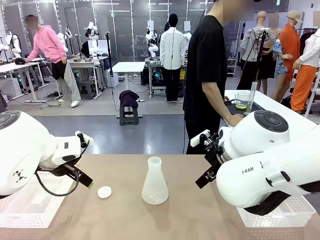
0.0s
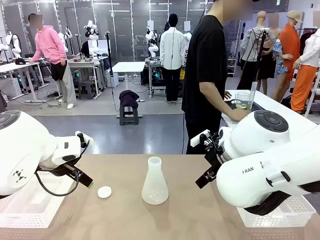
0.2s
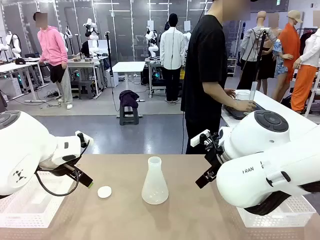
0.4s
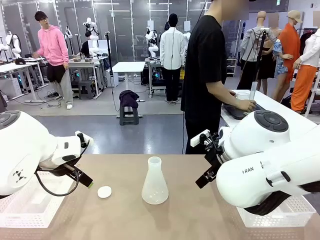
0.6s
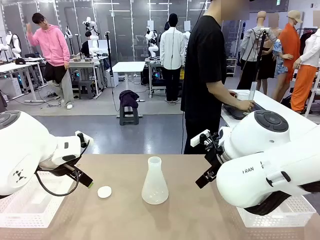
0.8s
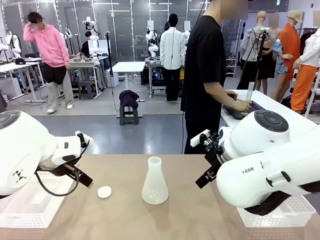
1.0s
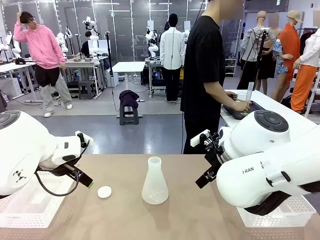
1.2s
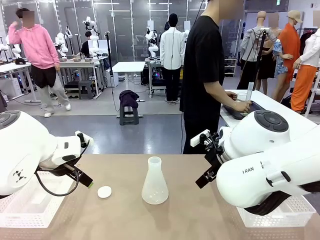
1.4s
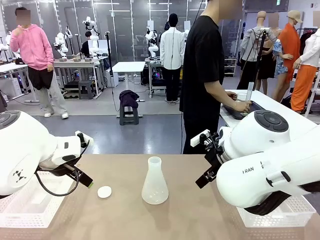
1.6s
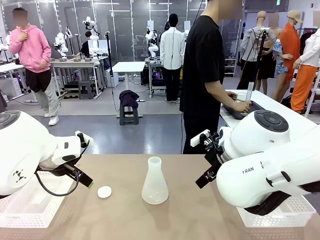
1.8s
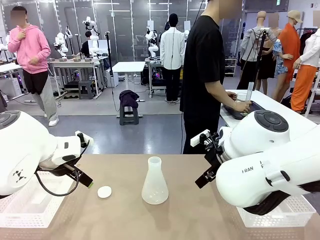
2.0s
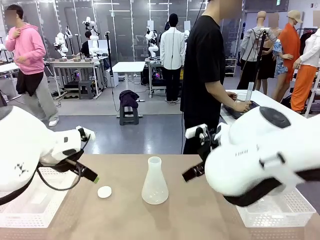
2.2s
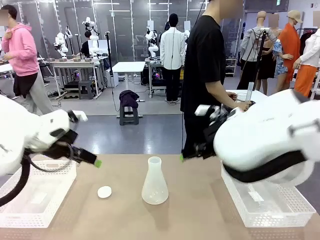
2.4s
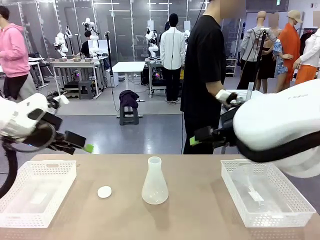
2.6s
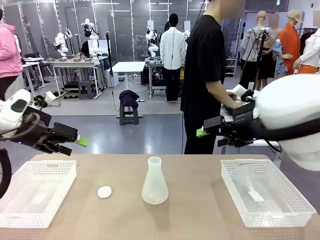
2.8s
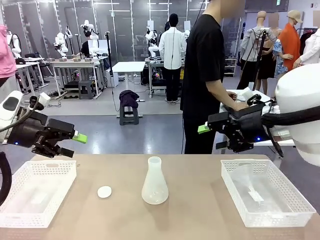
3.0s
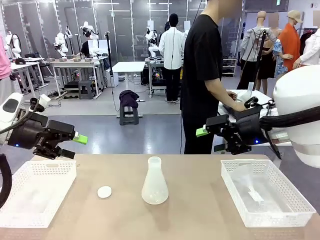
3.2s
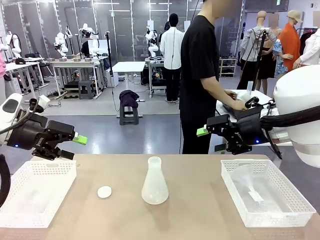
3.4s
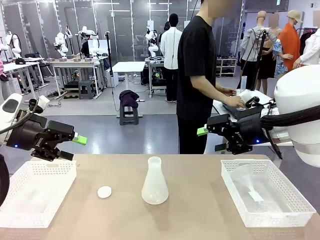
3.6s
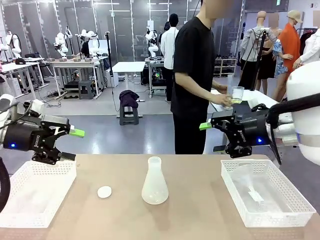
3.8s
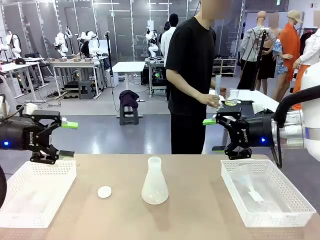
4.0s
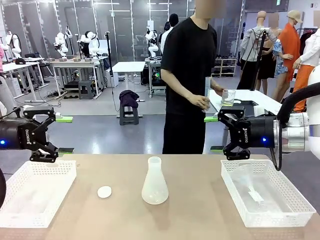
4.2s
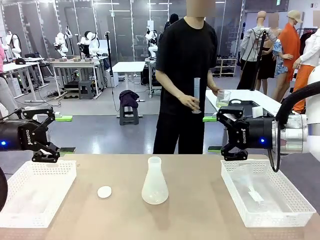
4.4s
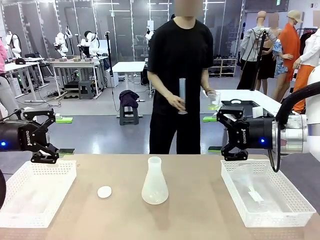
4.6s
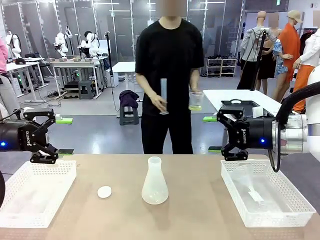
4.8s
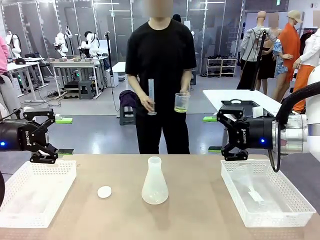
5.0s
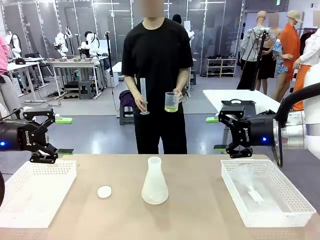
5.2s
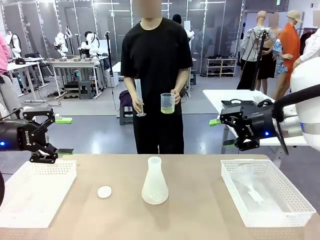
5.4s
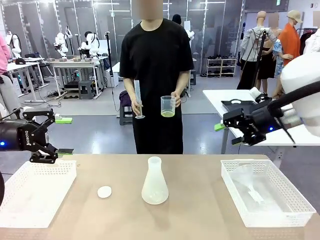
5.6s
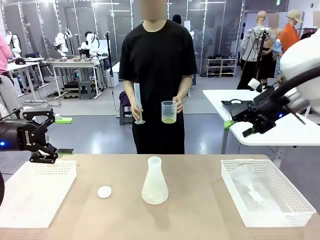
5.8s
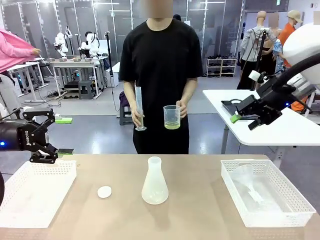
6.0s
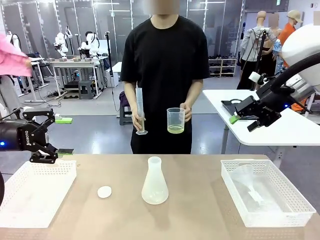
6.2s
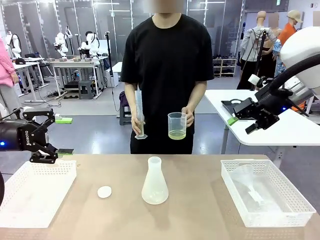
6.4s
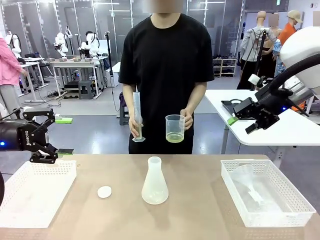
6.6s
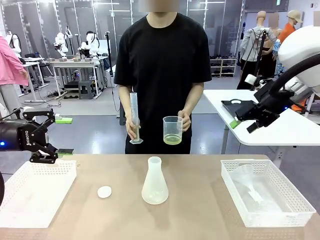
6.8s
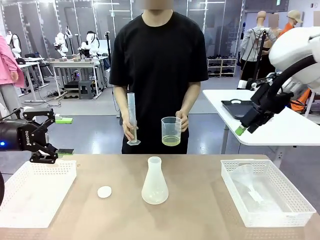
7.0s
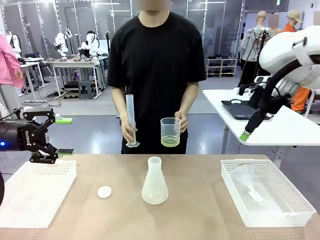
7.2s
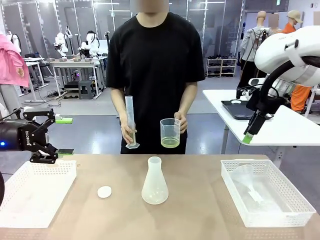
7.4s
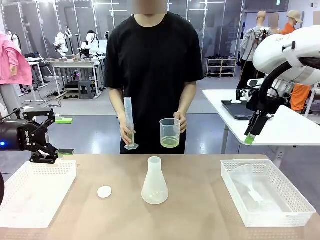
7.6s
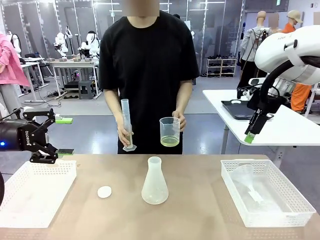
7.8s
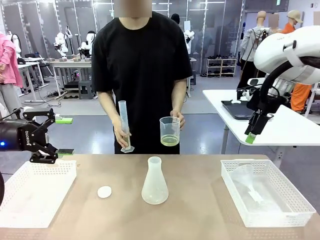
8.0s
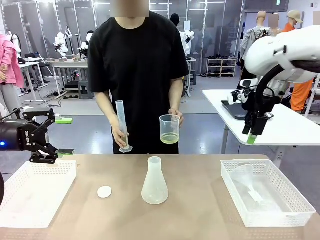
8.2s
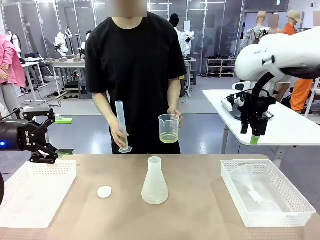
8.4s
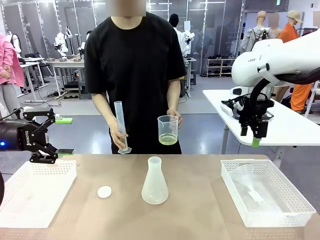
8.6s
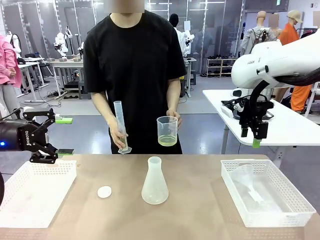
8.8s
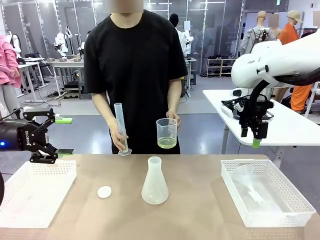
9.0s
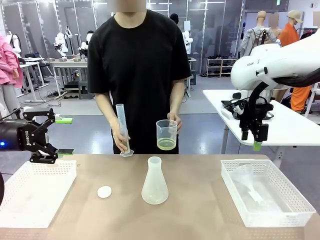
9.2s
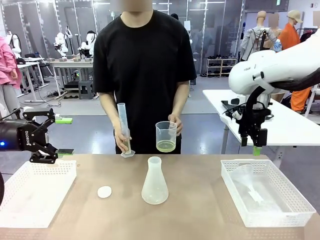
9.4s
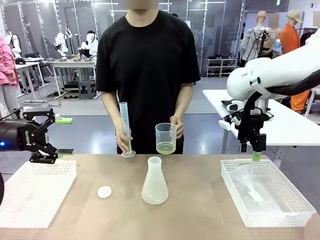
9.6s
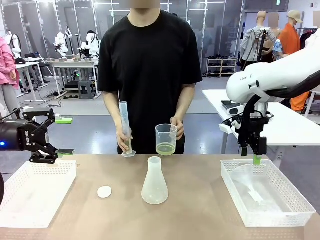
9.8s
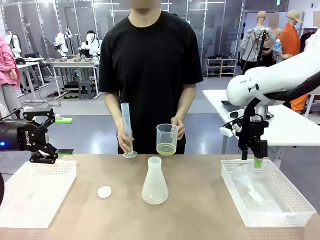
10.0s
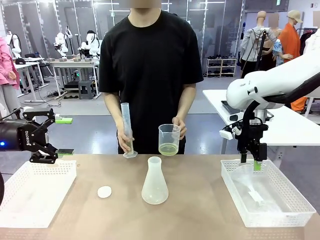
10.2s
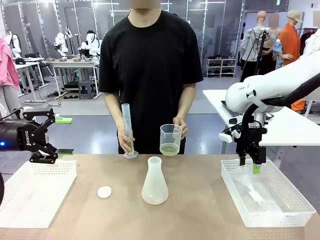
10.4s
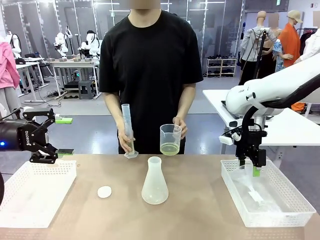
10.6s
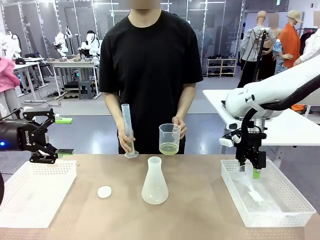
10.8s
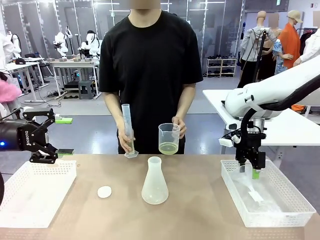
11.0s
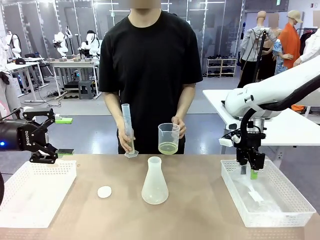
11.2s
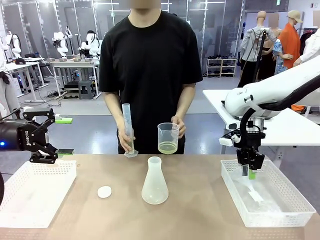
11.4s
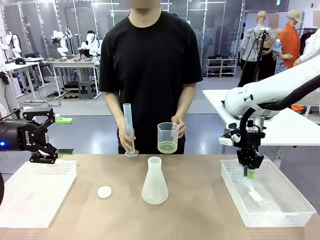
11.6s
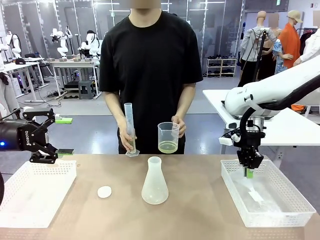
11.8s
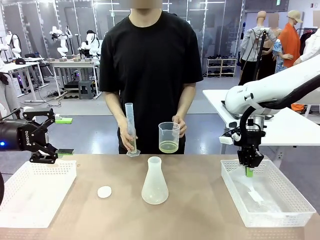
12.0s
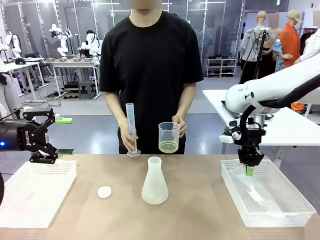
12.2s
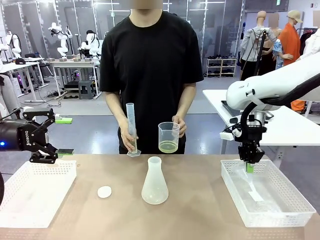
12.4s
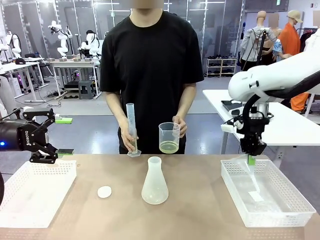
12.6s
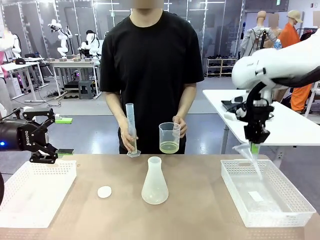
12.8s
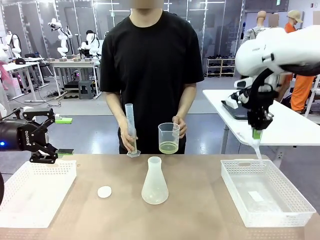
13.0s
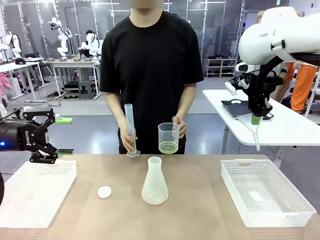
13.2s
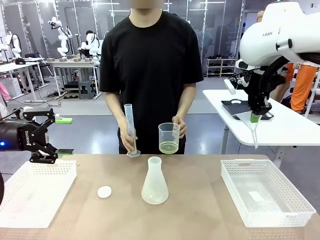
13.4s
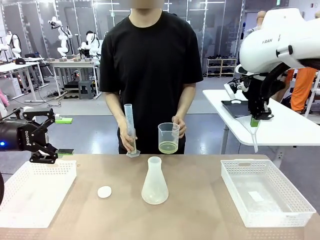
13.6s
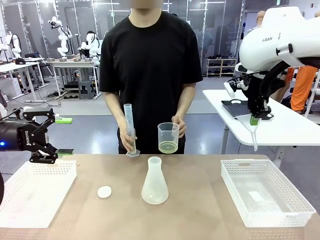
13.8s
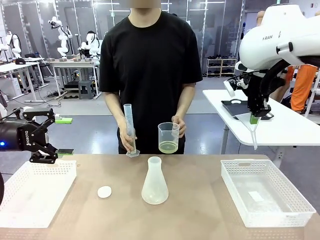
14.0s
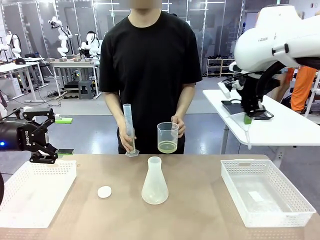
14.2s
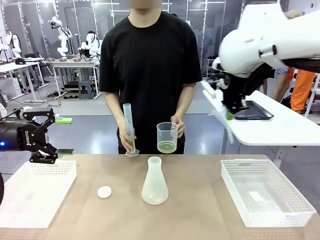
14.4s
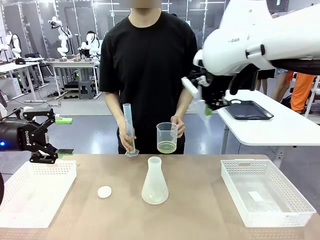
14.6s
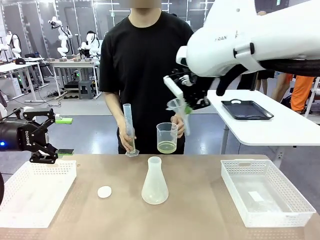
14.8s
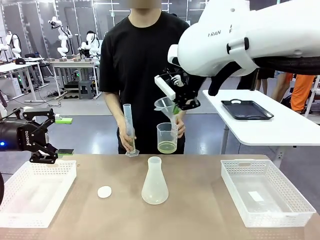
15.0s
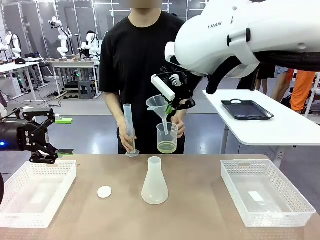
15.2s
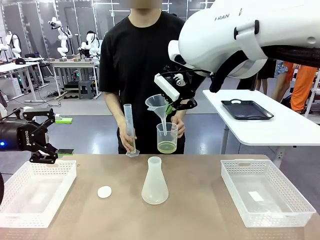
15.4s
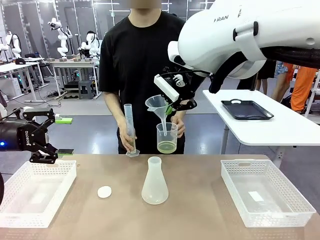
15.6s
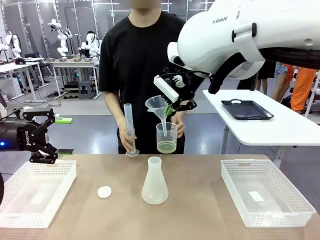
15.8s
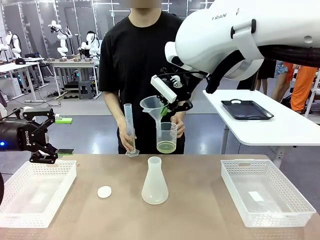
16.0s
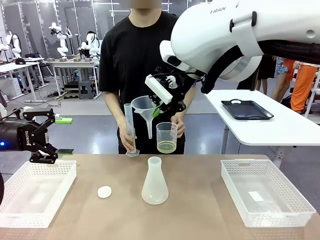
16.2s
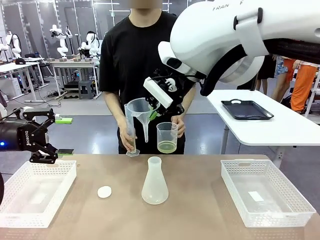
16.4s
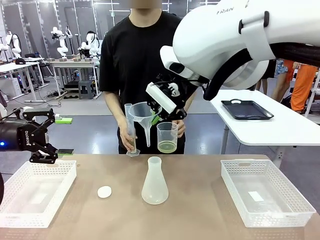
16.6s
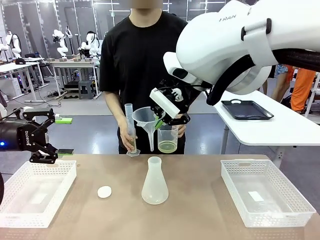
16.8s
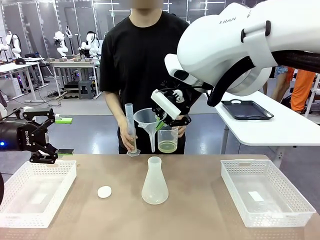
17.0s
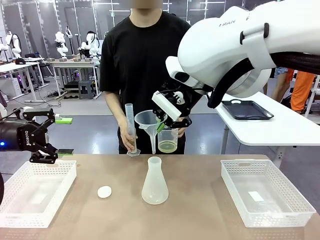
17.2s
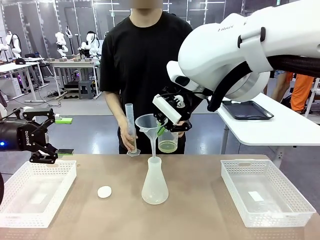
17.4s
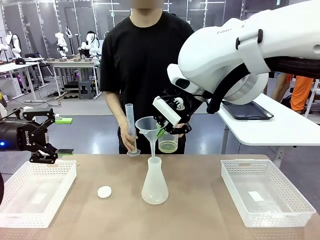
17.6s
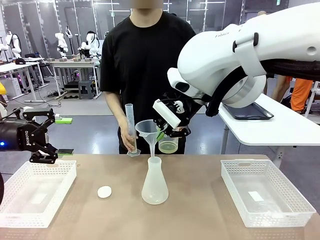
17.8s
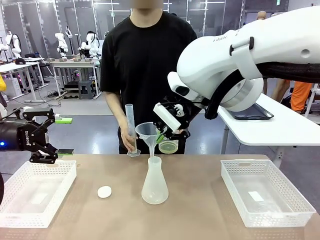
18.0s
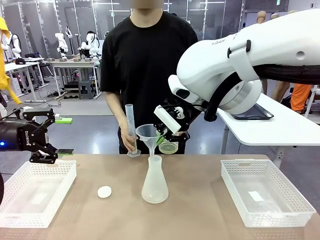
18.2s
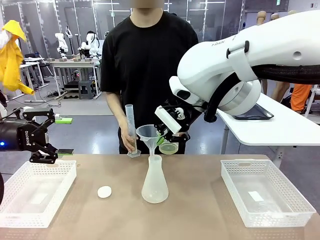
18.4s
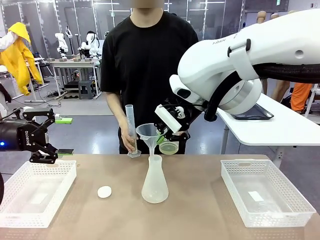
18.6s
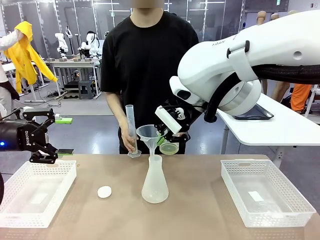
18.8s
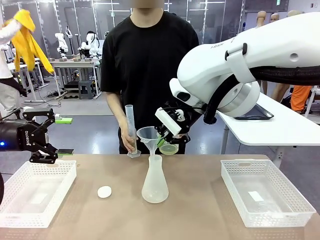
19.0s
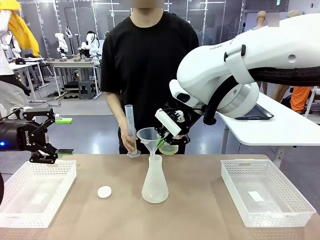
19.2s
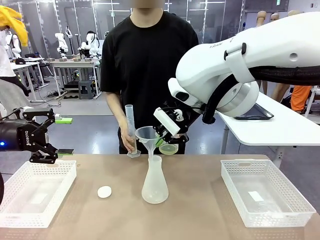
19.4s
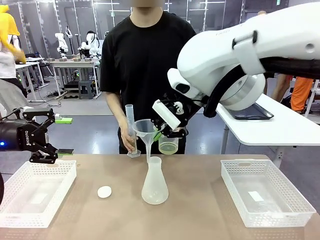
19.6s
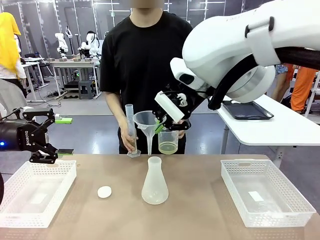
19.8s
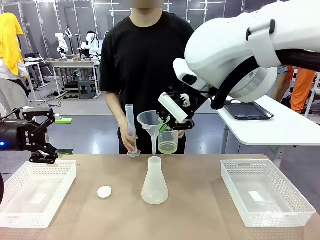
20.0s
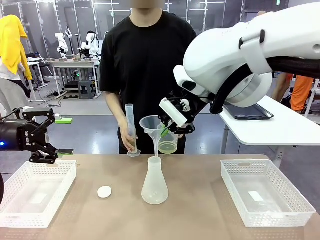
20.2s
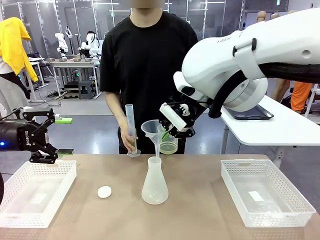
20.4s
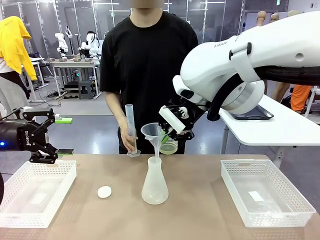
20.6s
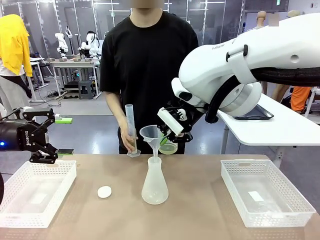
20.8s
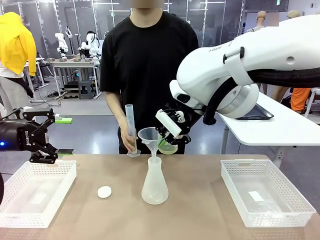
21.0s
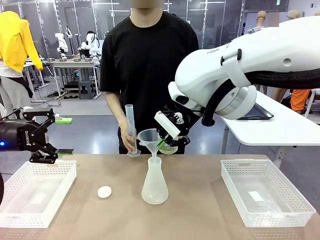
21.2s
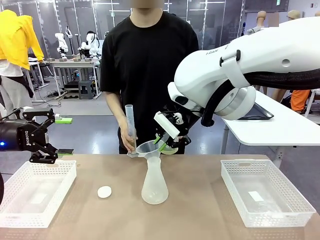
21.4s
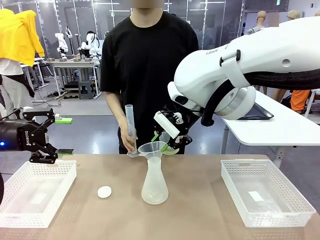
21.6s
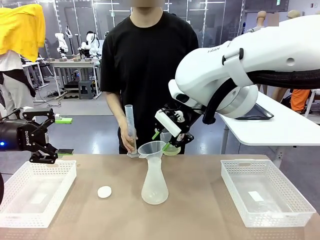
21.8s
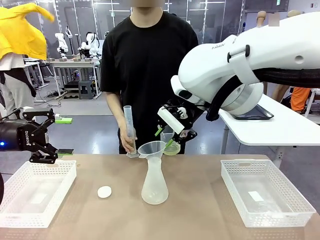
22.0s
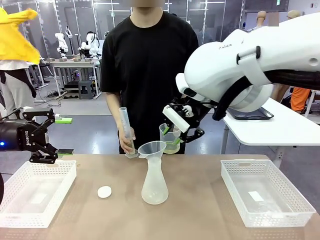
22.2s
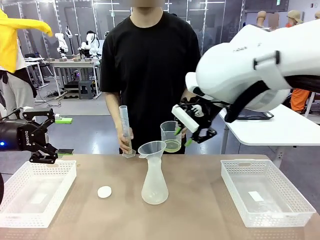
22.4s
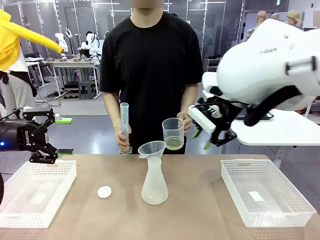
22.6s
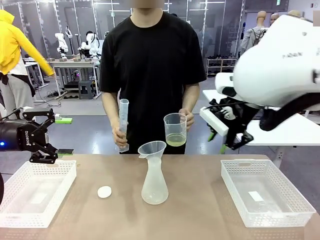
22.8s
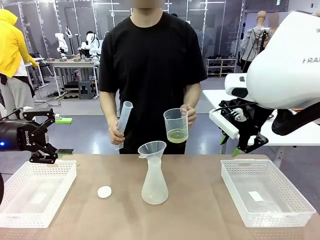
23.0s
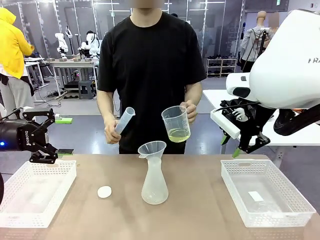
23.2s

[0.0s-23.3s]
Task: Prepare the solutions needed for the experiment.
Robot: Pick up the Plastic Funnel and insert it into the Big flask.
Person: Pick up the beaker and the cylinder and move to the middle of the robot table. Pour the solution from the beaker and the cylinder into the flask.
